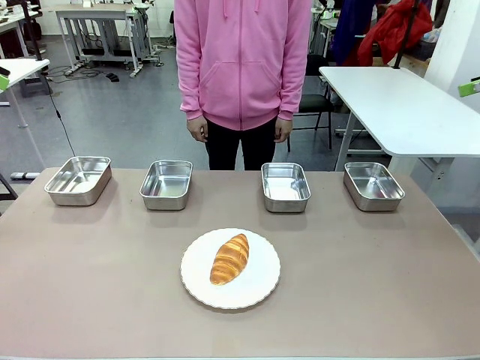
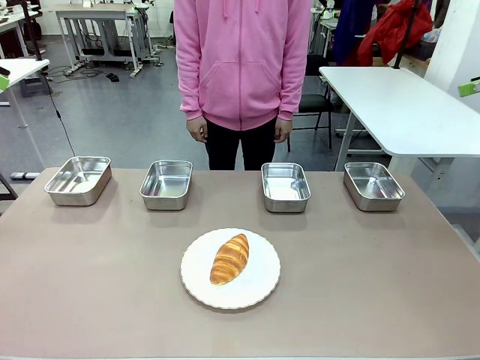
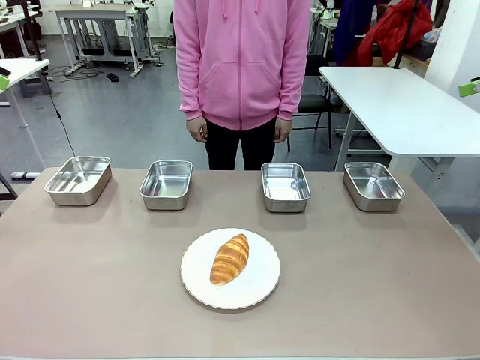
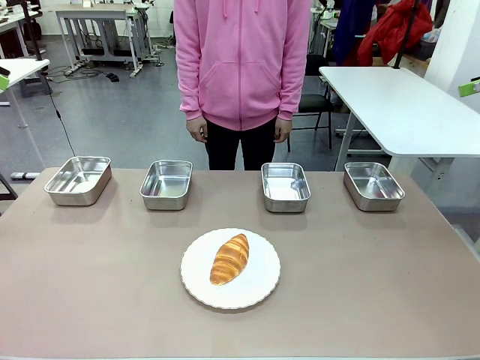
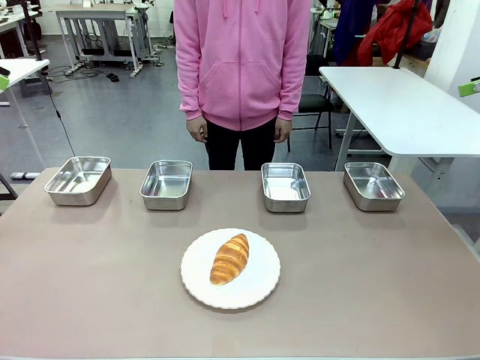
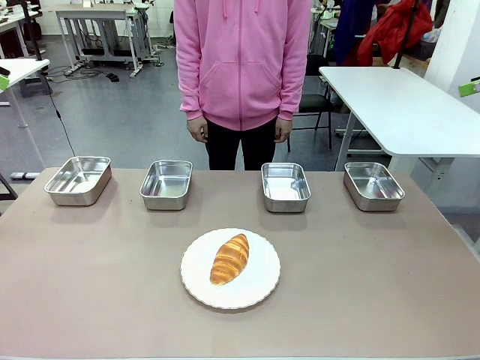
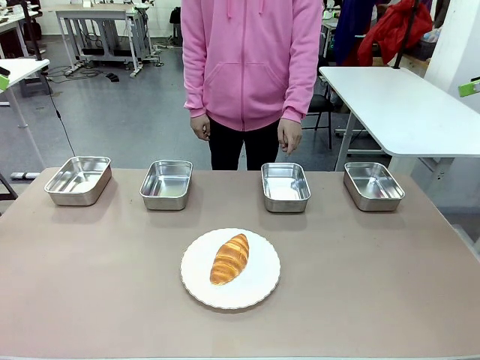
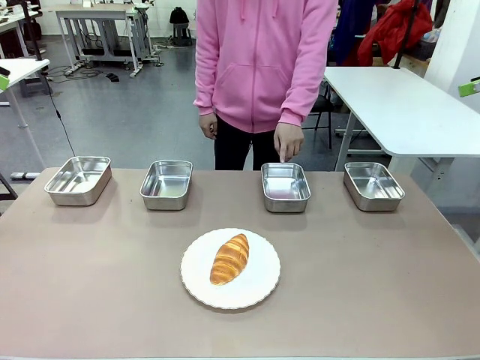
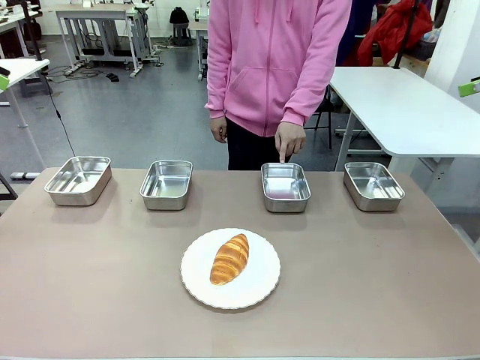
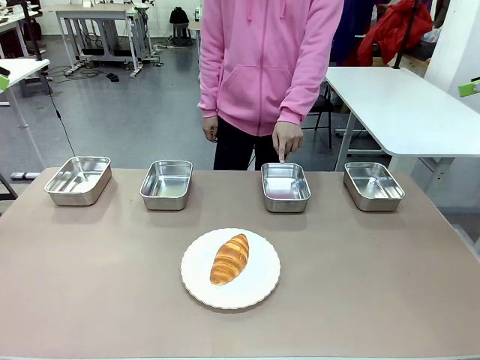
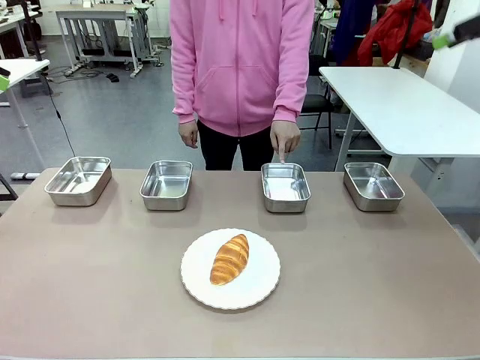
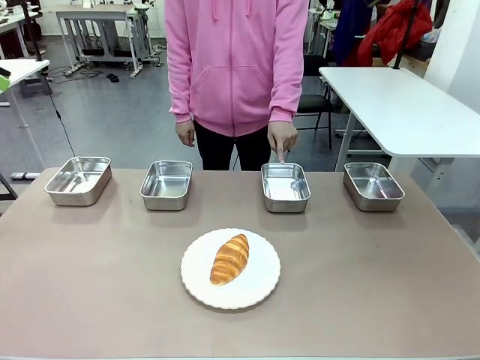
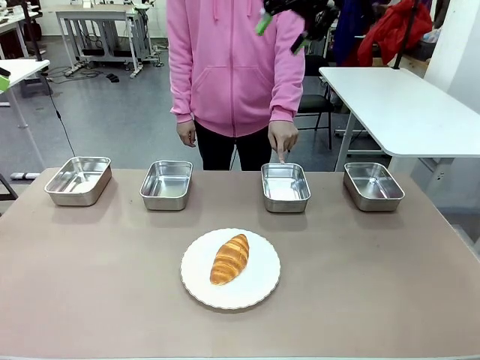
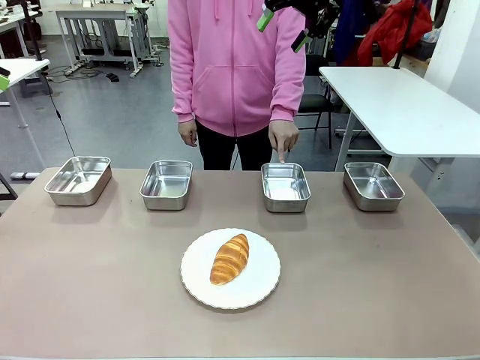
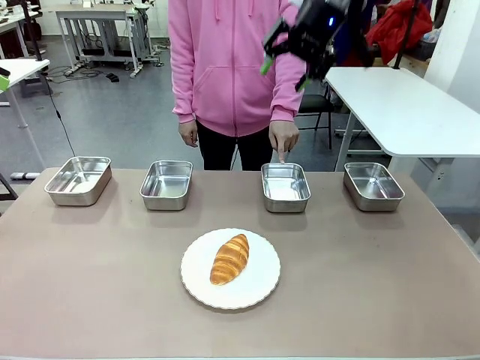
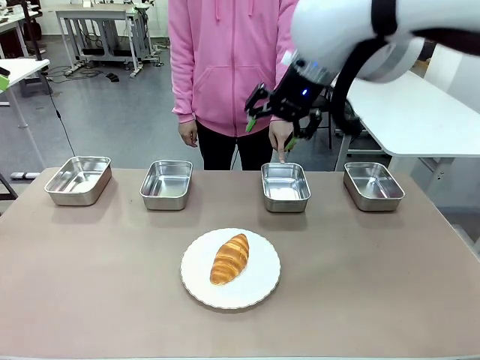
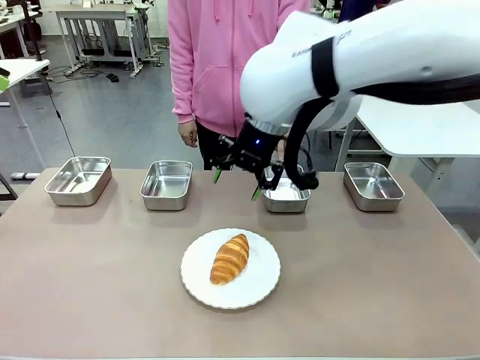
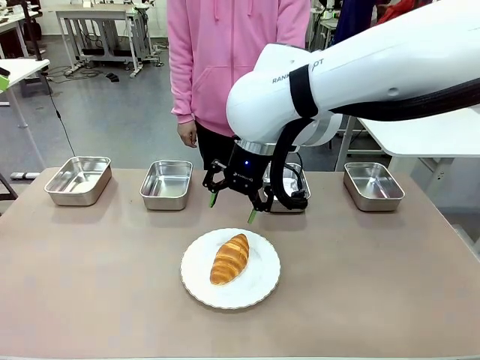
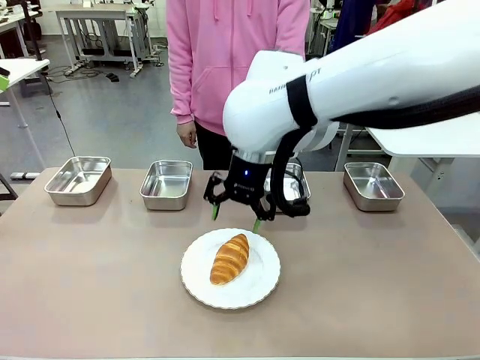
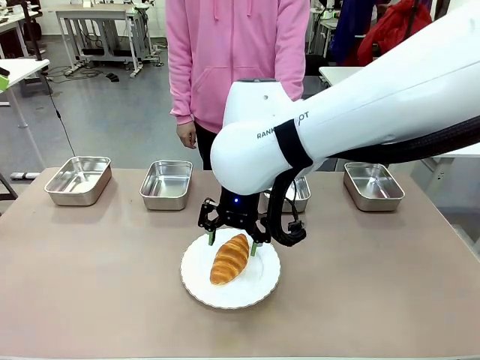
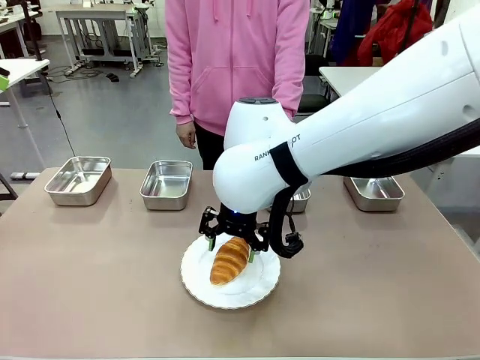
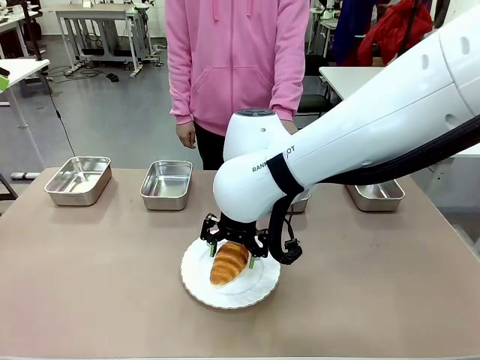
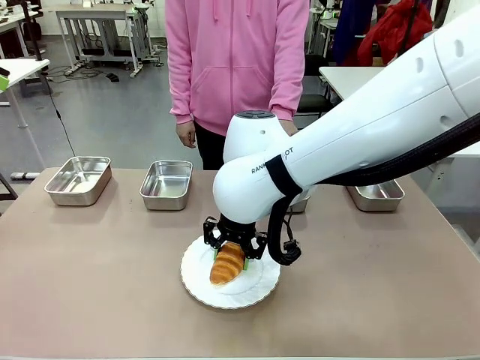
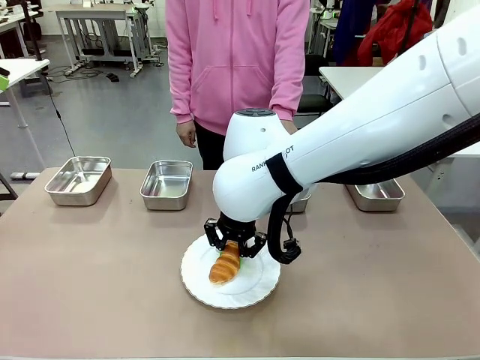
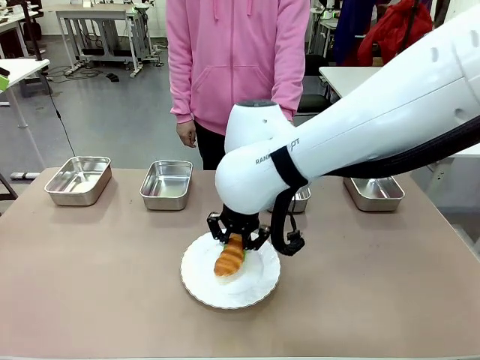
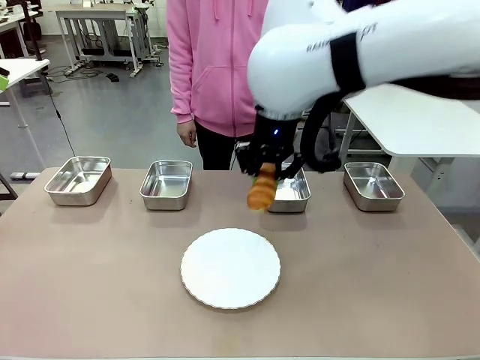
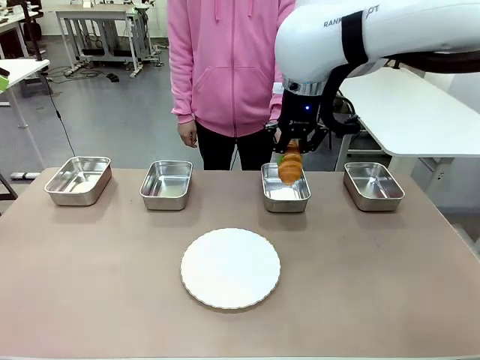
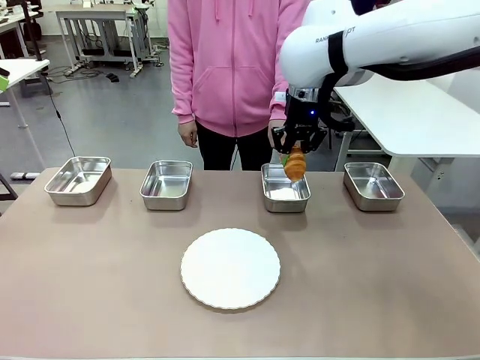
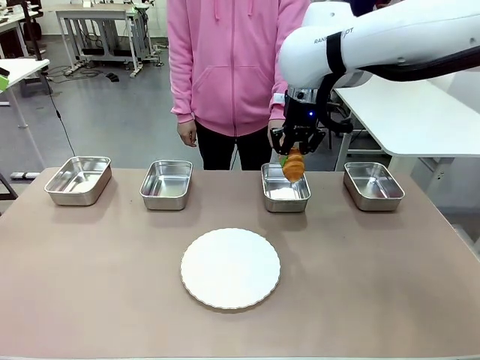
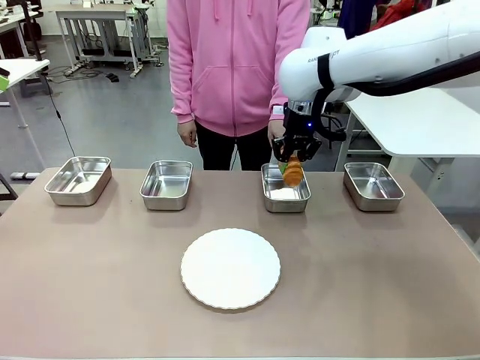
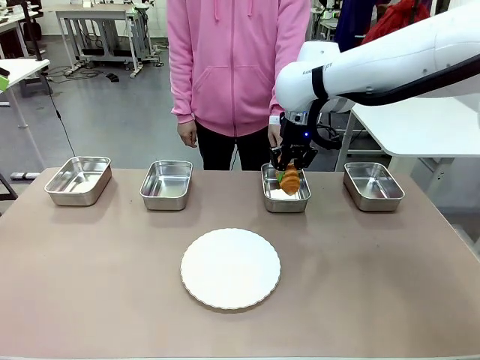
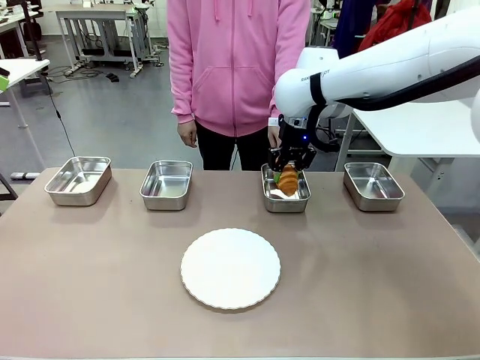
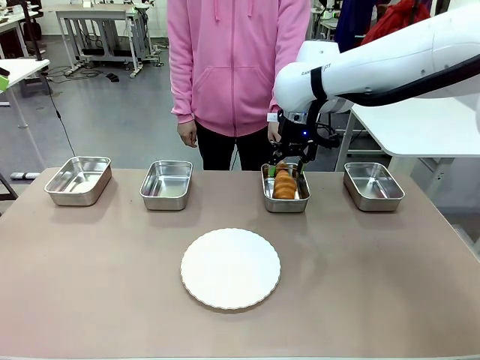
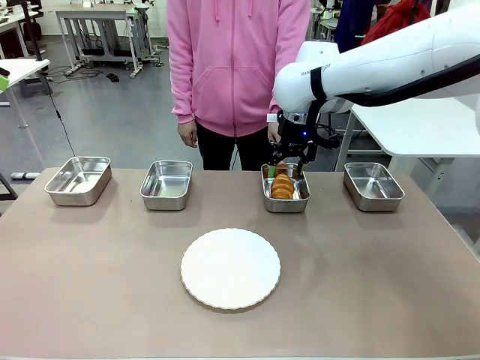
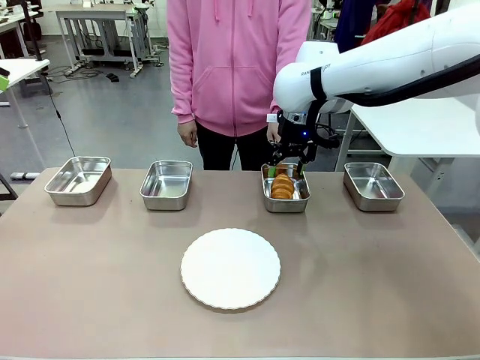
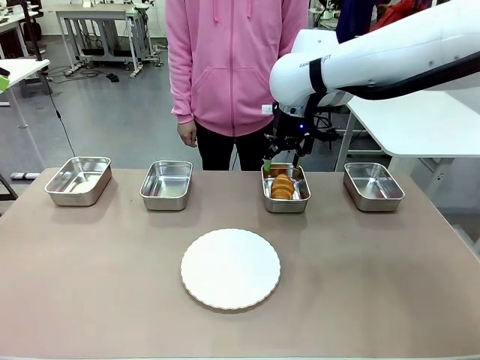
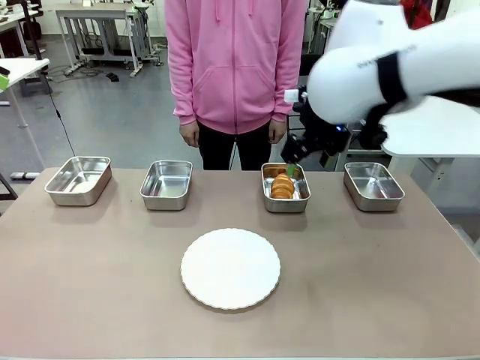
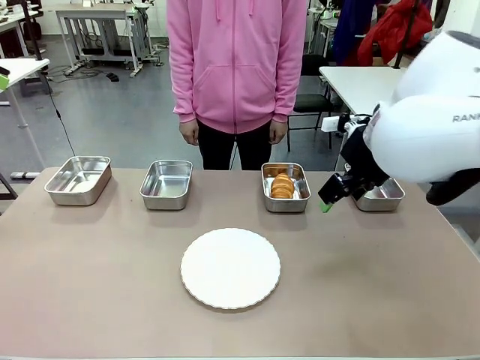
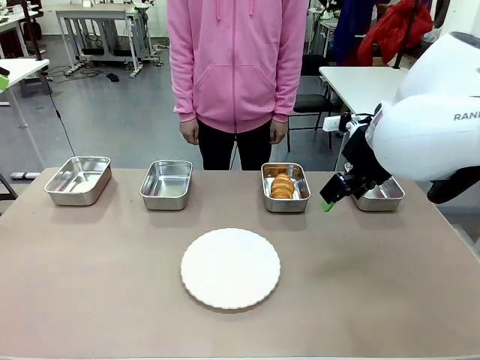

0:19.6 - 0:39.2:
Task: Place the bread in the container.
Robot: Place the Butter Roll into the Airtight Container indicated by the human.

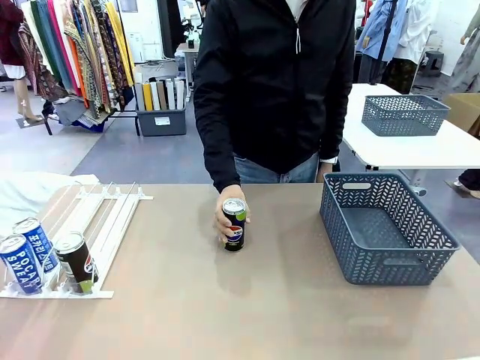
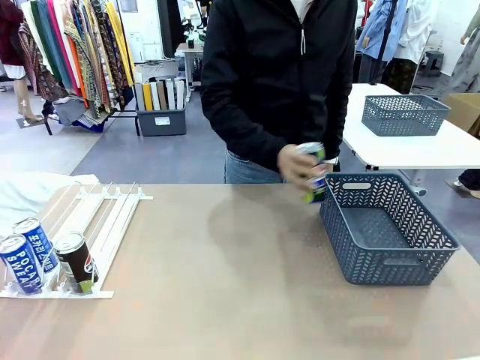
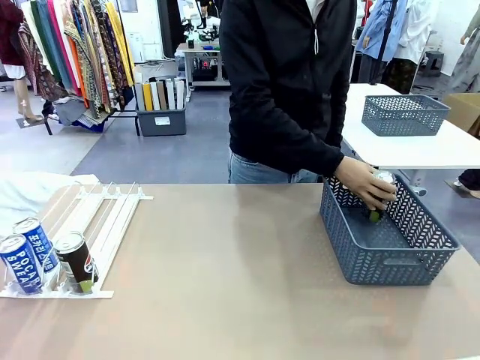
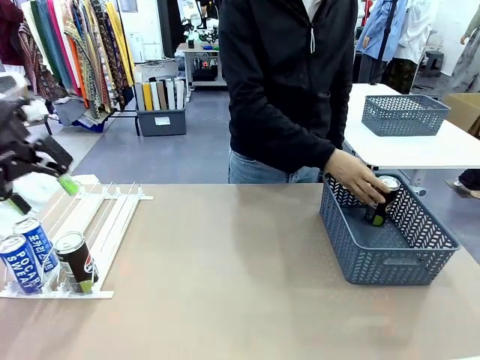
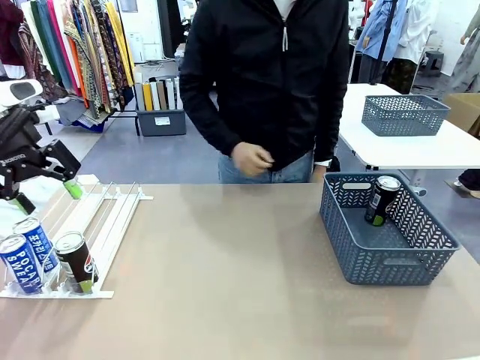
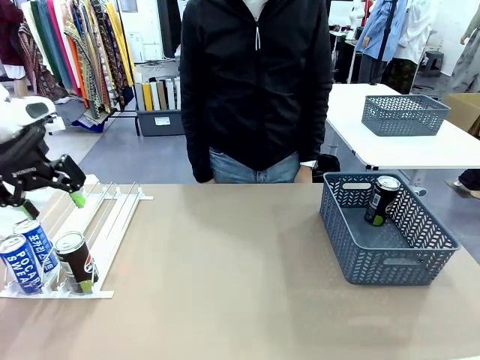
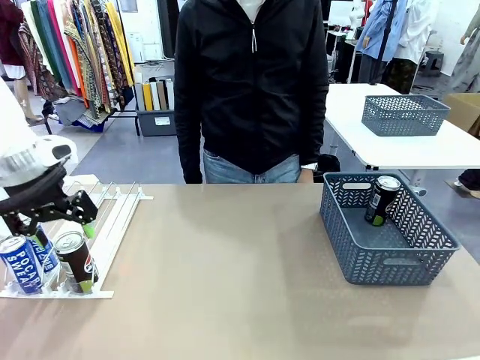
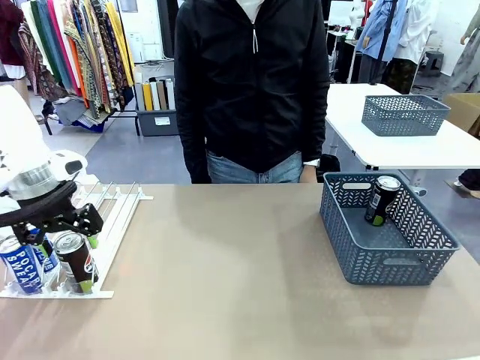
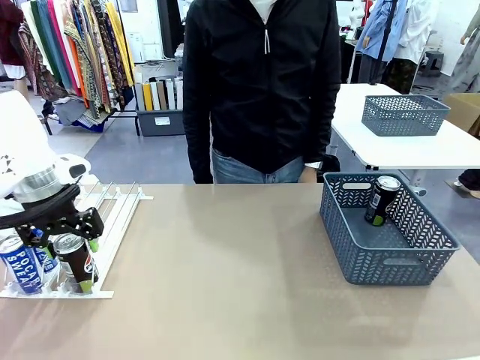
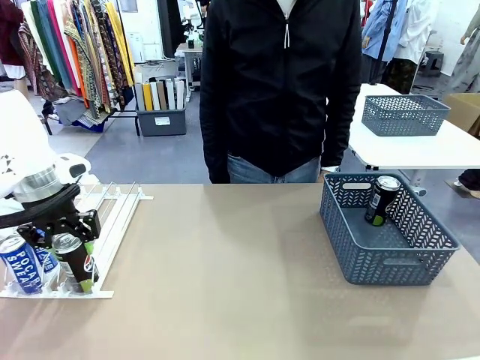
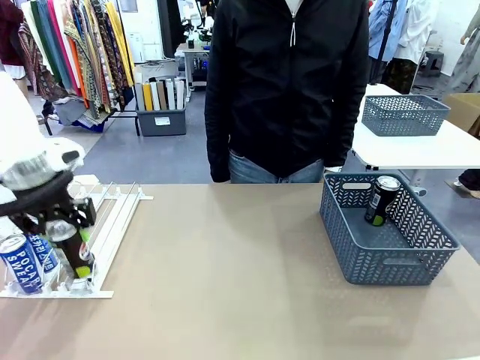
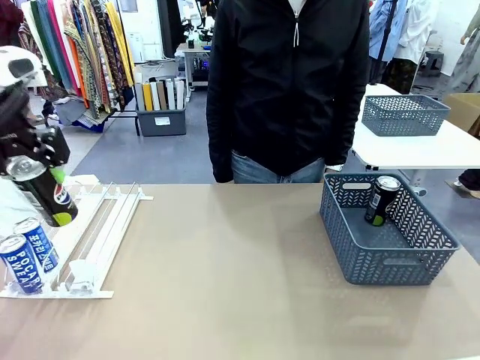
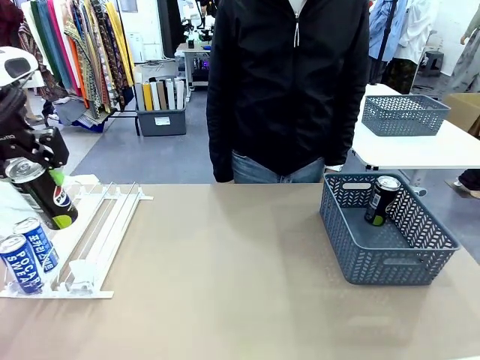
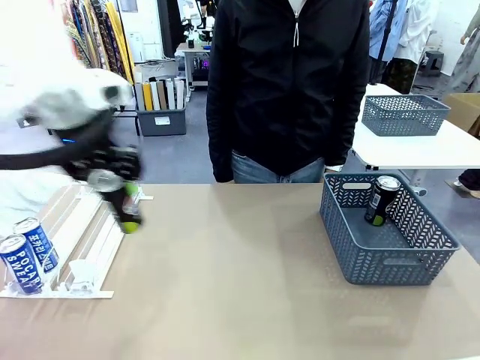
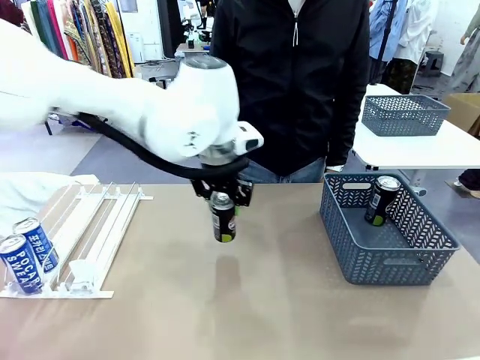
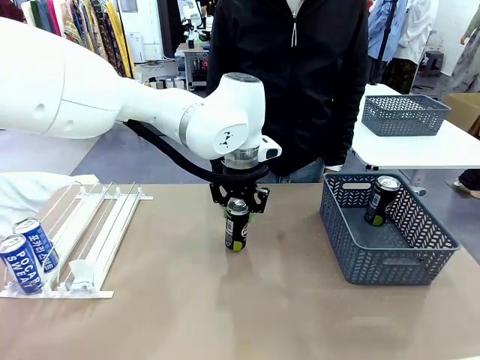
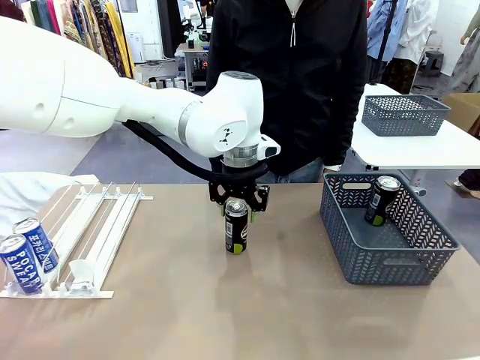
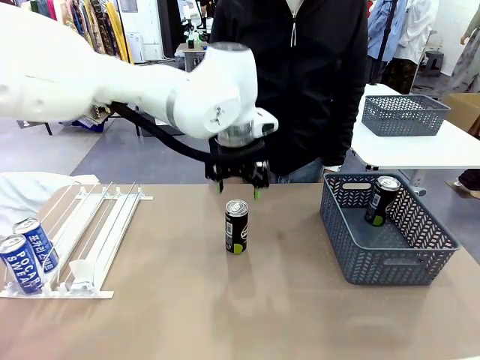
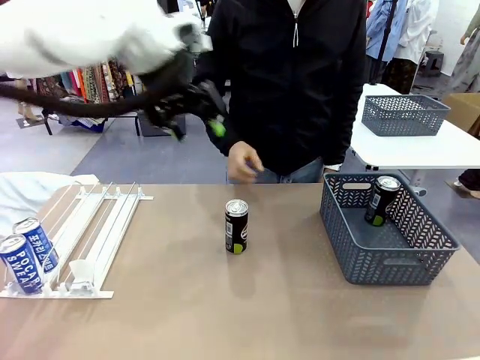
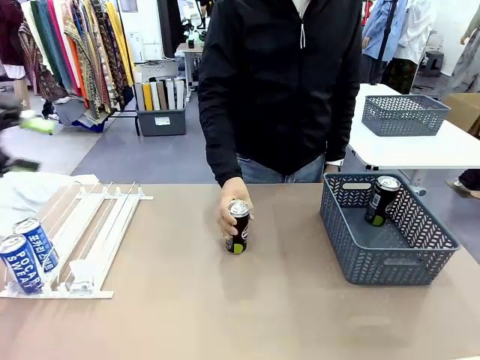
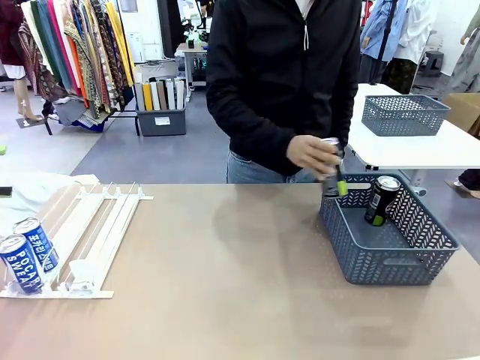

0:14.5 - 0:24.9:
Task: Retrieve and store the cans from the dispenser.
Robot: Pick up the last remaining can from one row of the Automatic Can Dispenser and place it in the middle of the table.
Person: Pick up one Pepsi can from the middle of the robot table and place it in the basket.
